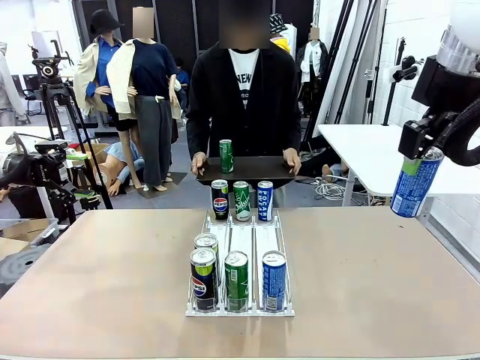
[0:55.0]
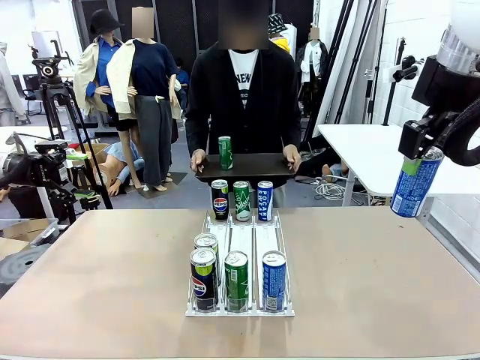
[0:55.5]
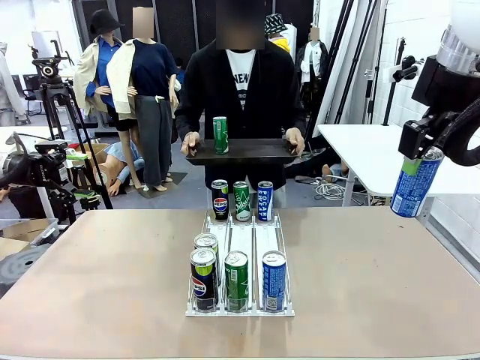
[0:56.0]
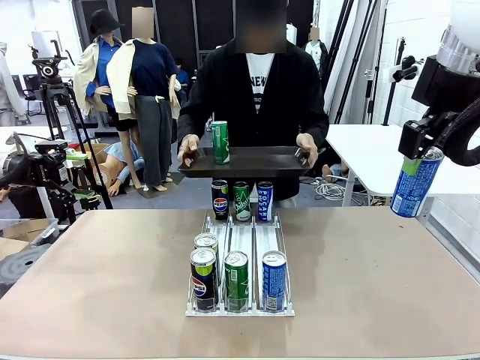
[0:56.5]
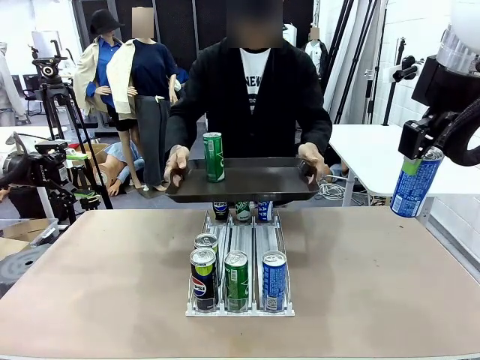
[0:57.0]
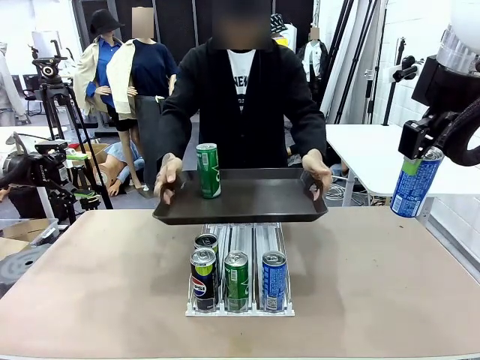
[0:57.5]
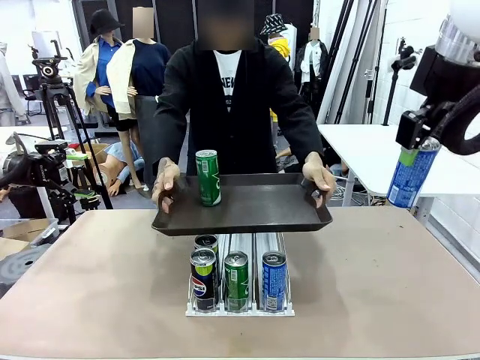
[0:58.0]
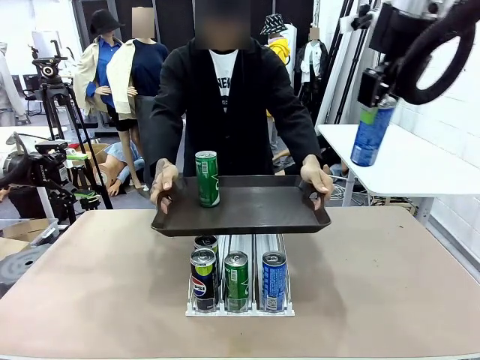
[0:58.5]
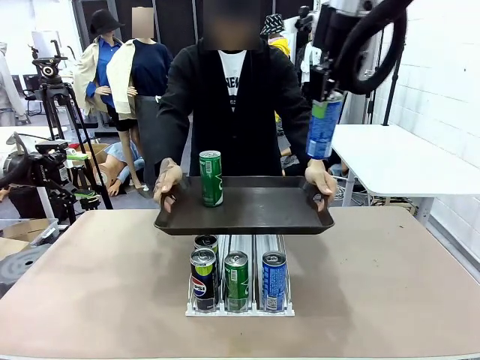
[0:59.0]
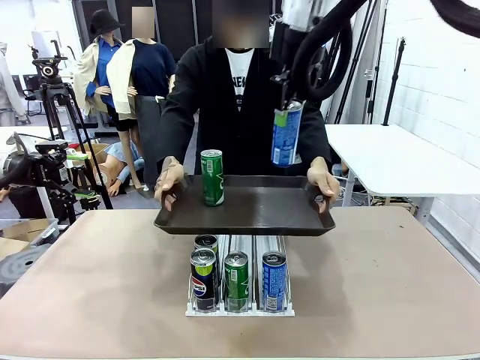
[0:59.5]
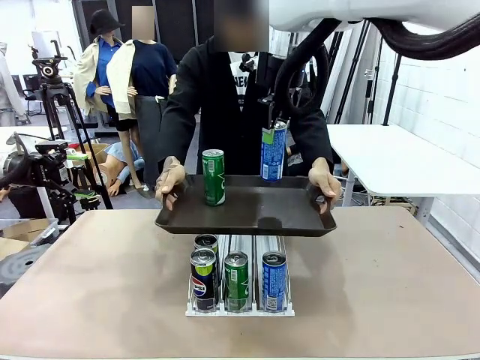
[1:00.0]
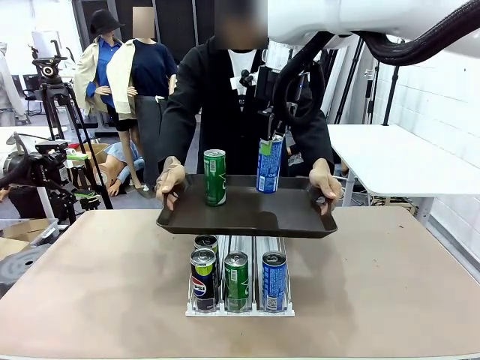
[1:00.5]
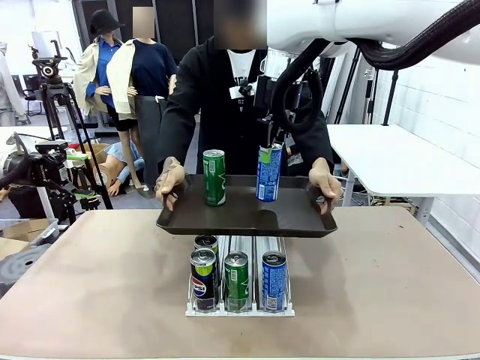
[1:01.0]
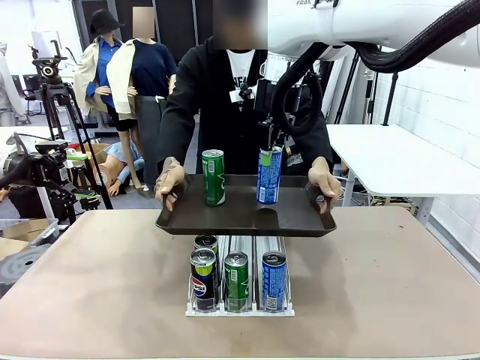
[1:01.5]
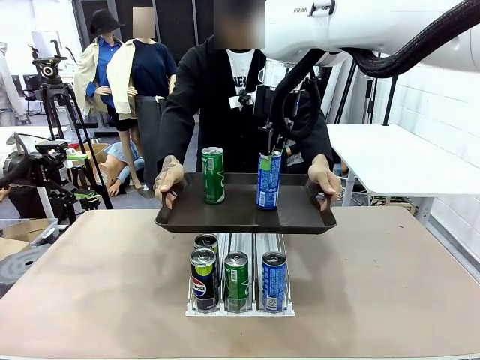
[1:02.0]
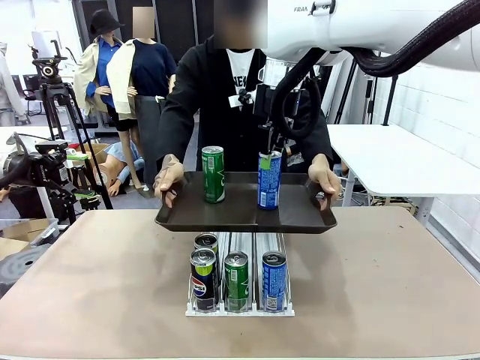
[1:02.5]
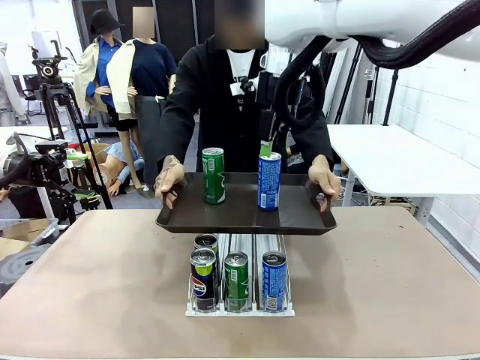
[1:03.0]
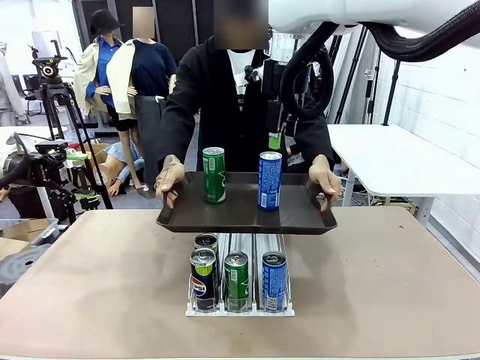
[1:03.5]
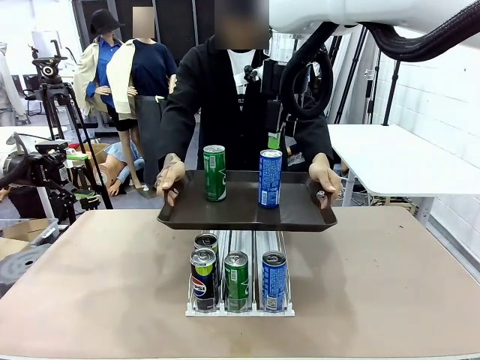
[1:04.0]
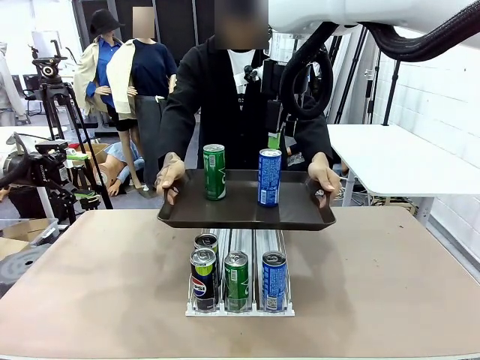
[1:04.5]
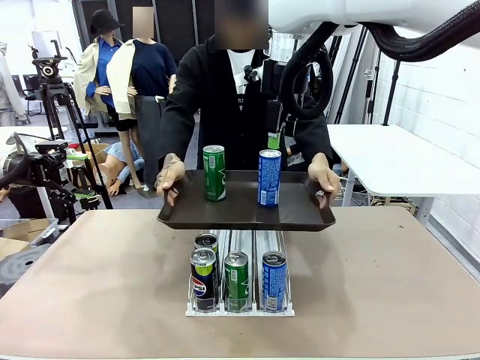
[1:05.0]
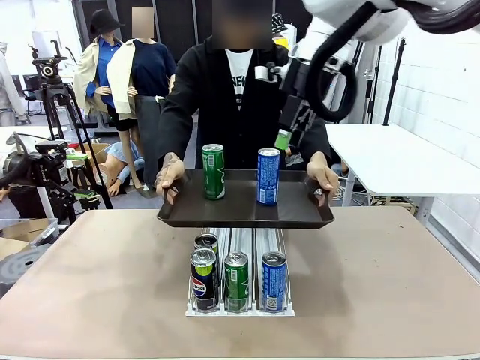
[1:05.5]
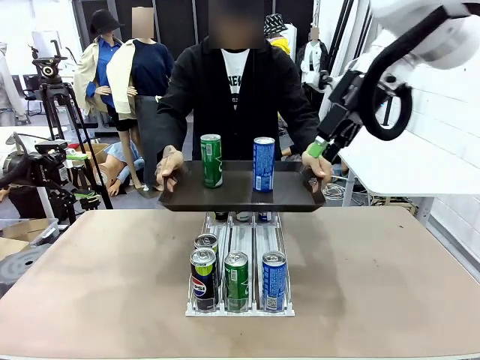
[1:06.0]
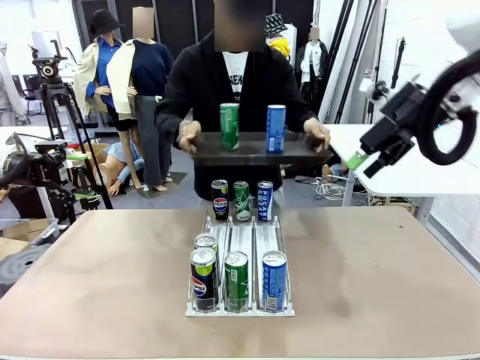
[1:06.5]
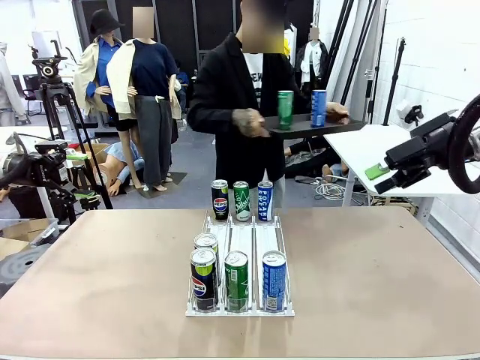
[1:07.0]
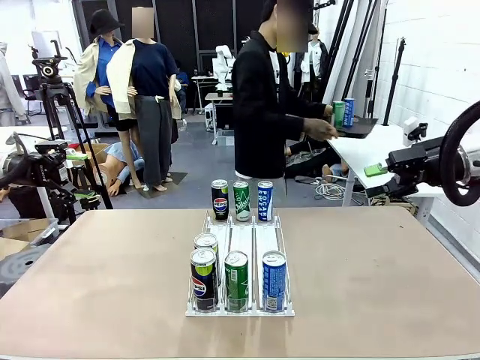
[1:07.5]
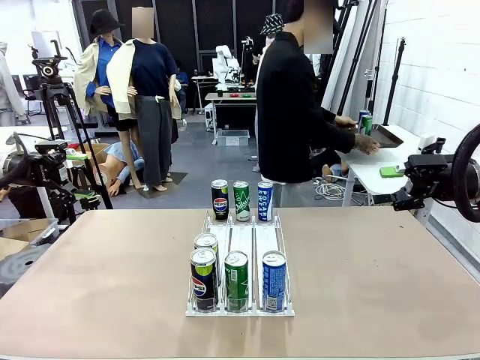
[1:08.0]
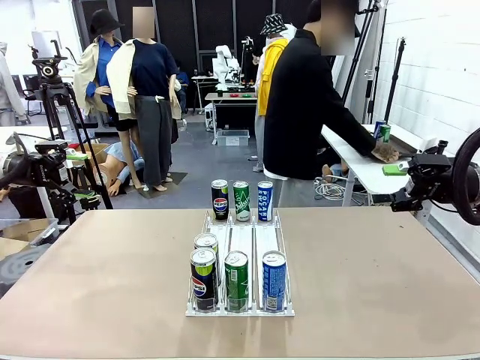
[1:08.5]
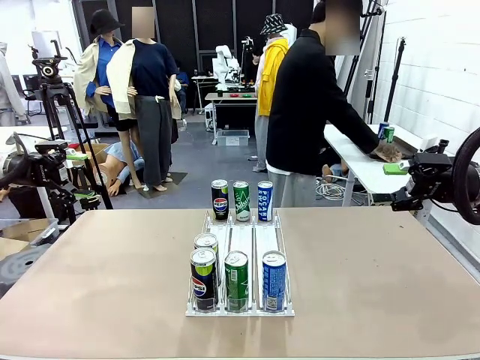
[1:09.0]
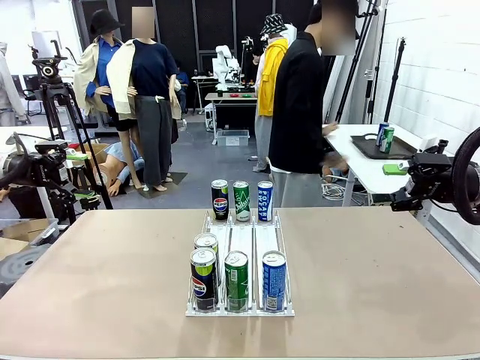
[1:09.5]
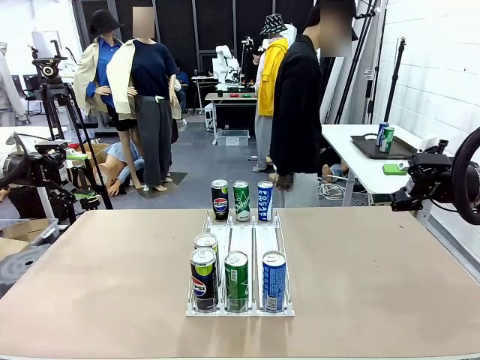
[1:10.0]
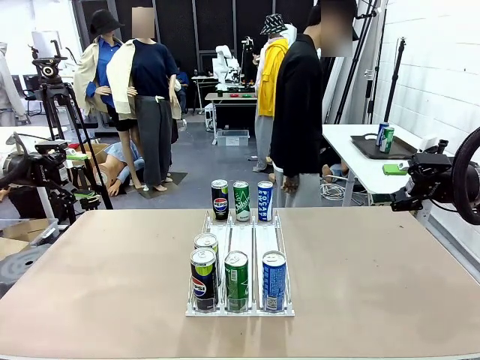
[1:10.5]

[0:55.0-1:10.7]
Task: Retrieve and hand over the desired beverage to the person.
Robot: Place the picked can on the Handle tray extended by the person.
Person: Pull the tray back and place it at the center of the human table.

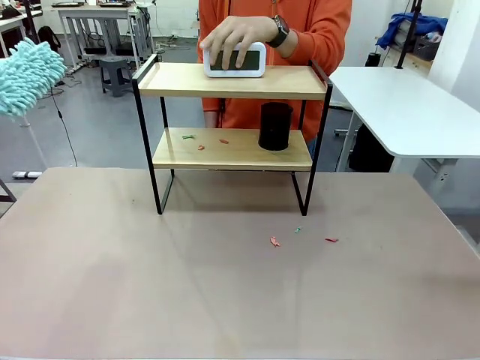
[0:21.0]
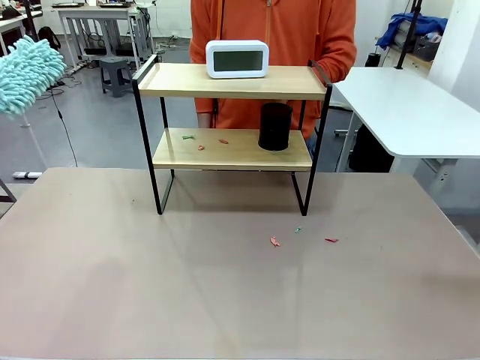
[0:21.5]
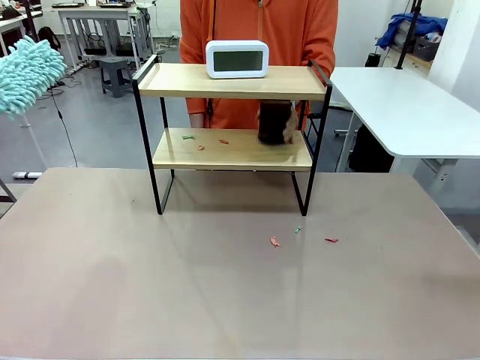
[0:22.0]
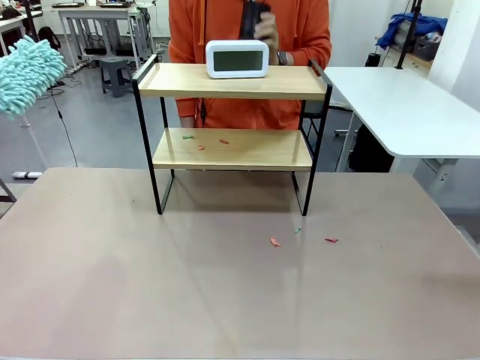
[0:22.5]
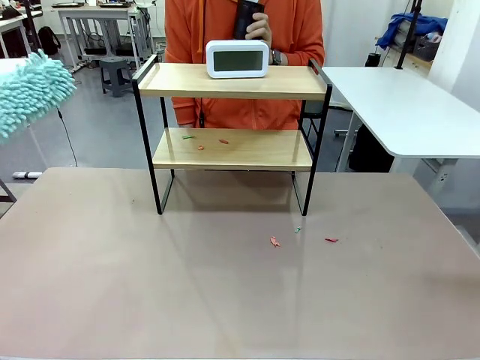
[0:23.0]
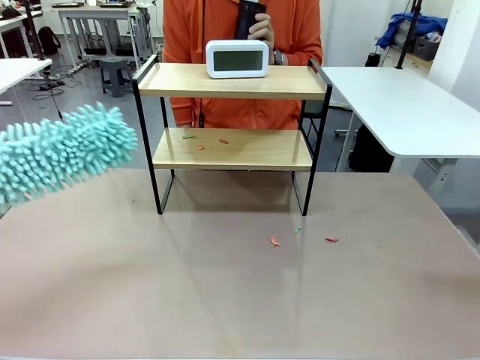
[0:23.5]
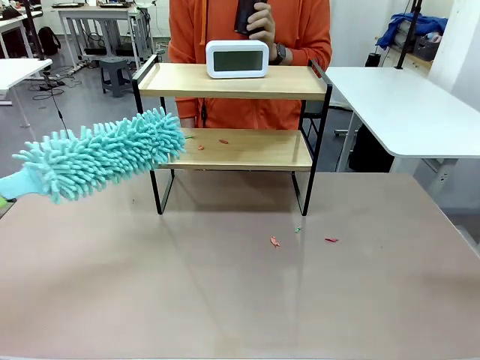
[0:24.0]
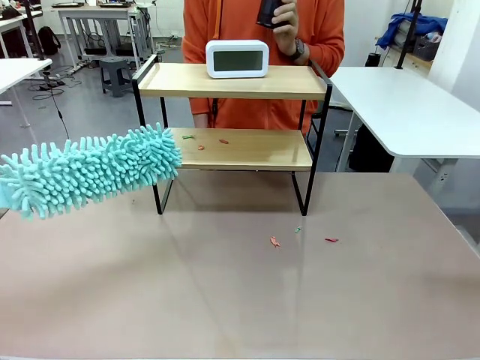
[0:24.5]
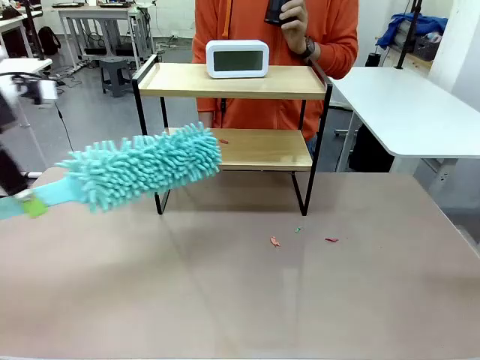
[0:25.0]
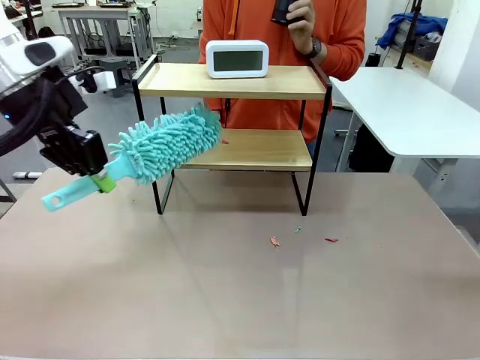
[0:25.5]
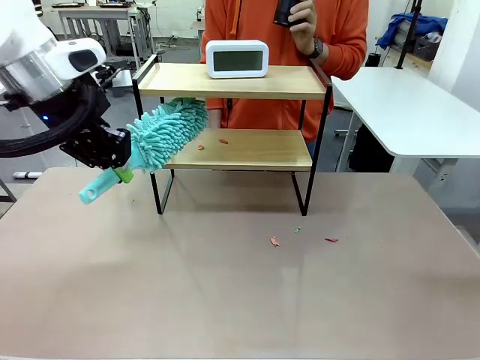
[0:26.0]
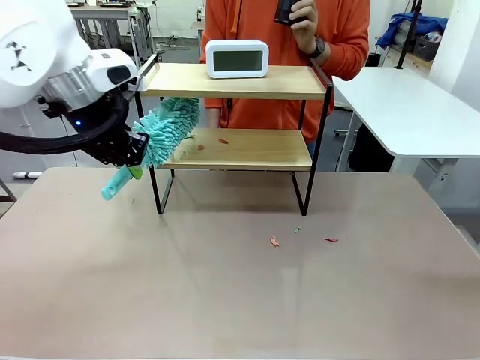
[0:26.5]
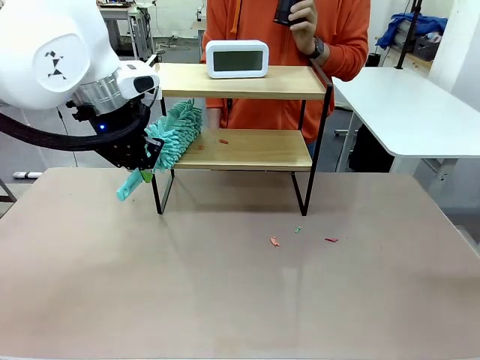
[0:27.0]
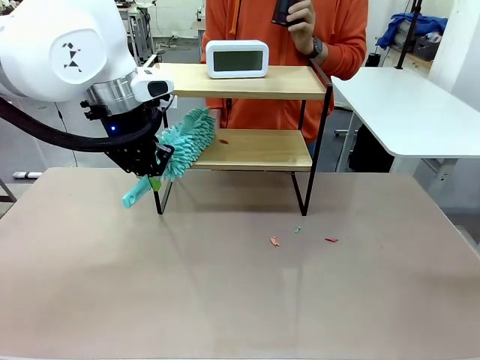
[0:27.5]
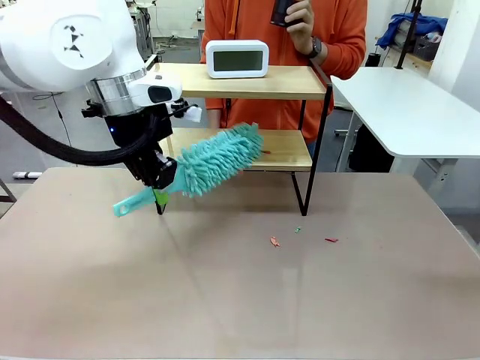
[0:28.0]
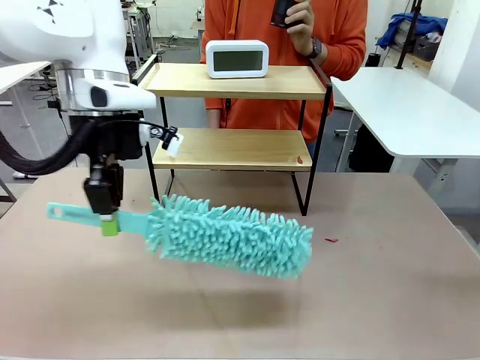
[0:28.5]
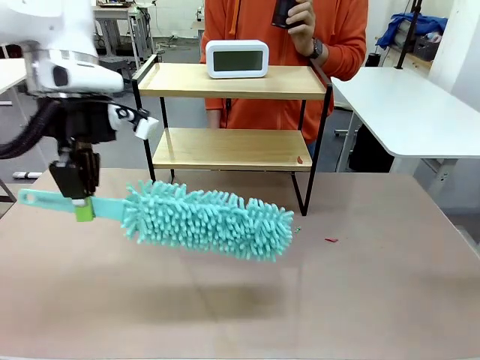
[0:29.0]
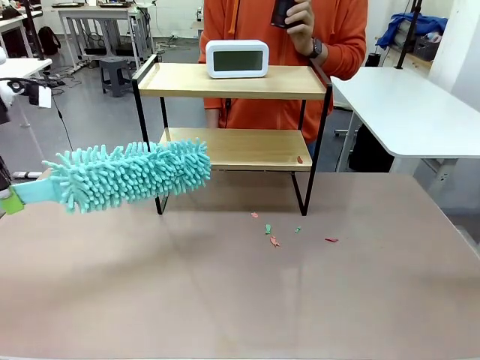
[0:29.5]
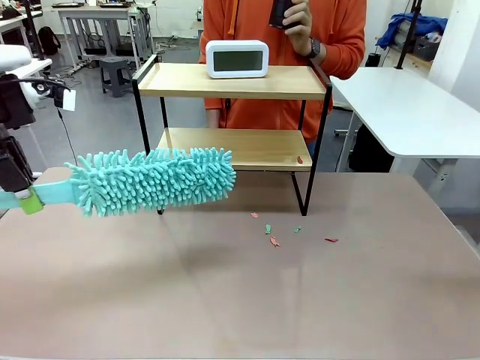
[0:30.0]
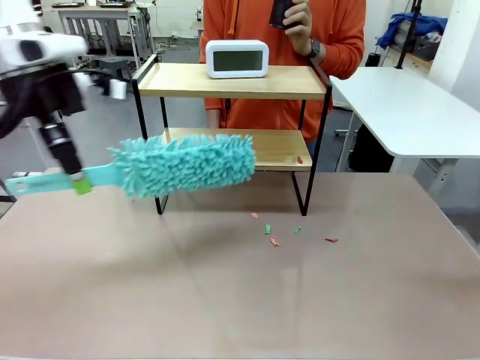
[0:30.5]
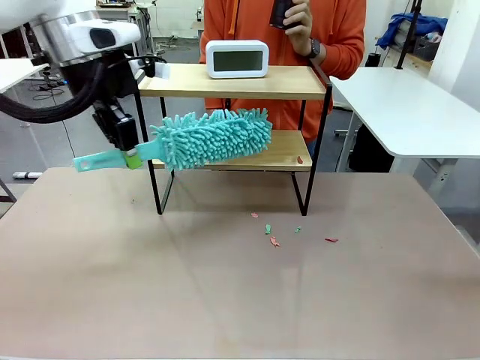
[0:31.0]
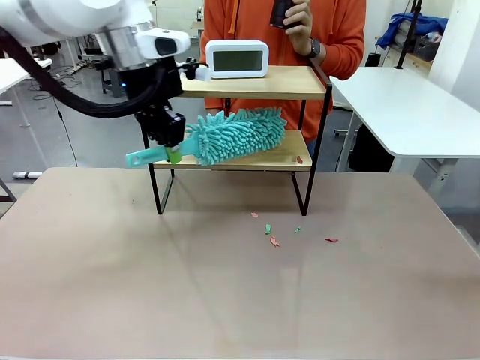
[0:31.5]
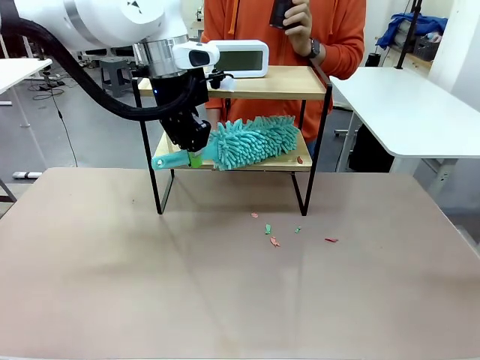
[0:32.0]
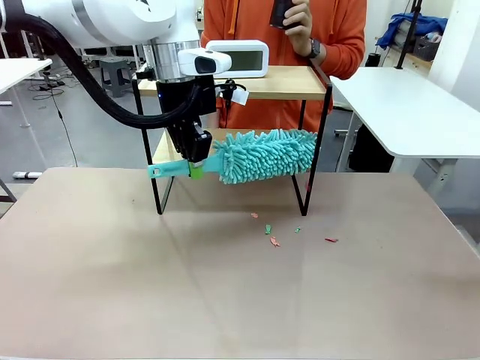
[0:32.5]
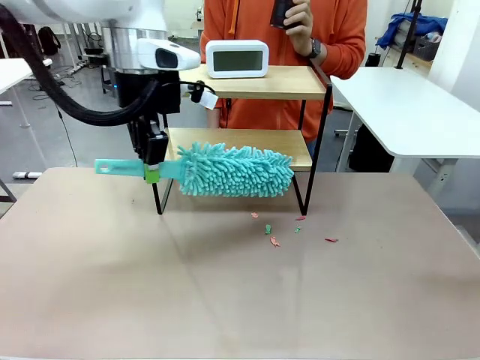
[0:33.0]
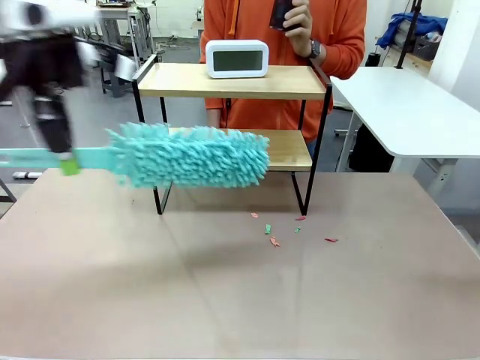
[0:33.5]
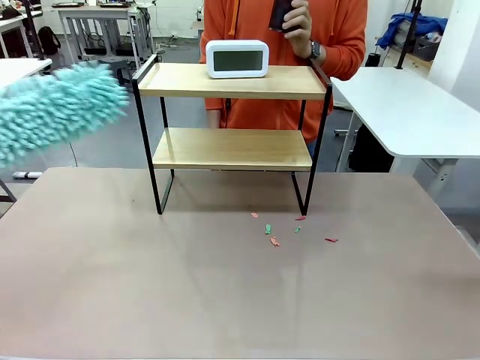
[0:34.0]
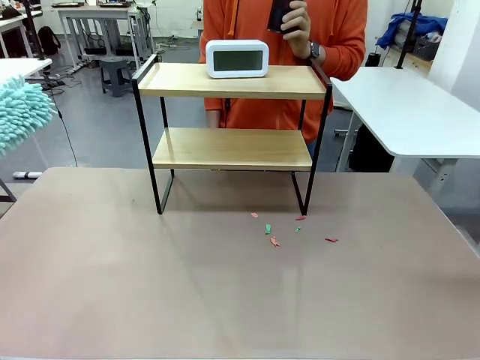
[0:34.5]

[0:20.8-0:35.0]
Task: Clean the shelf.
Robot: Clean the remaining tier of the Shelf with the Duster once objects are removed.
Person: Receive the Duster from the robot.
